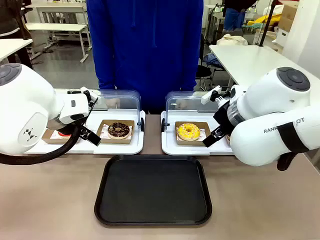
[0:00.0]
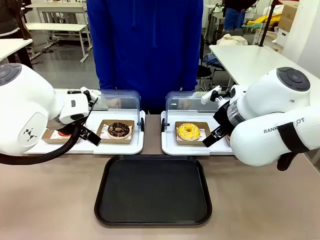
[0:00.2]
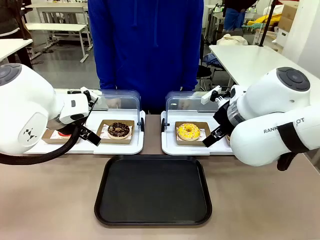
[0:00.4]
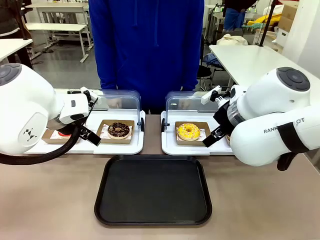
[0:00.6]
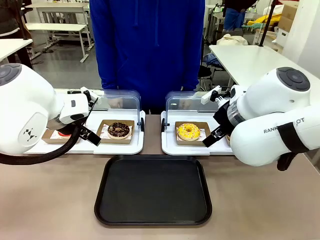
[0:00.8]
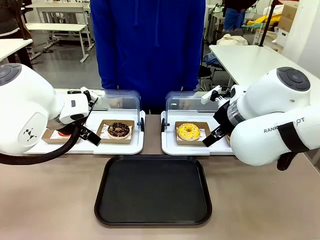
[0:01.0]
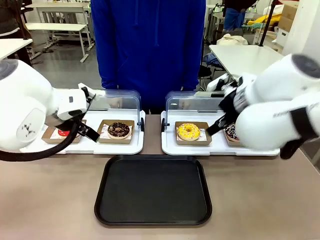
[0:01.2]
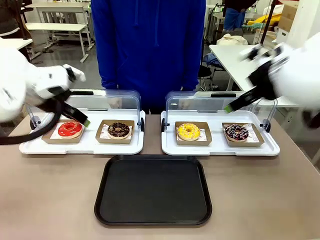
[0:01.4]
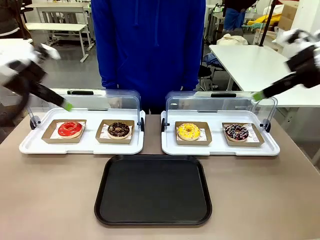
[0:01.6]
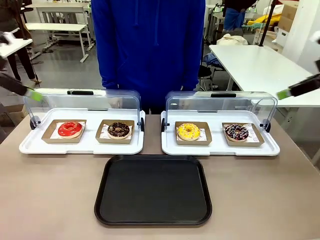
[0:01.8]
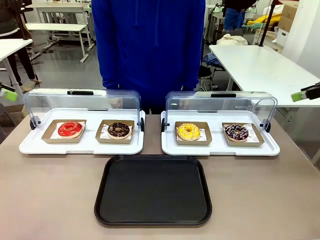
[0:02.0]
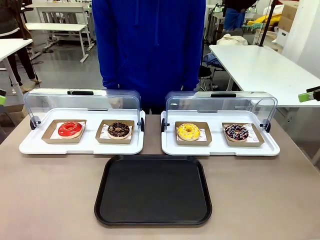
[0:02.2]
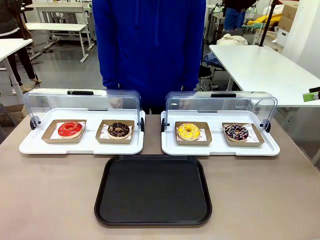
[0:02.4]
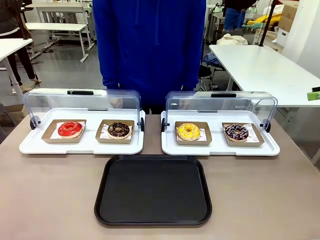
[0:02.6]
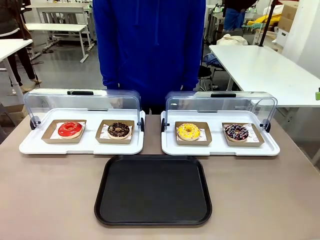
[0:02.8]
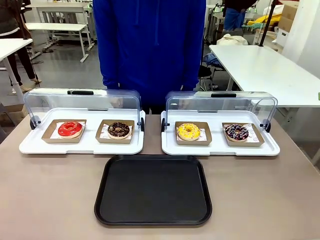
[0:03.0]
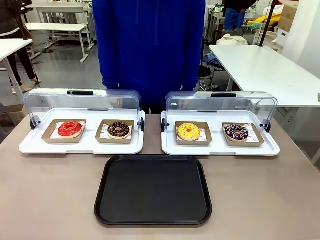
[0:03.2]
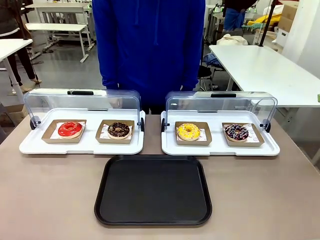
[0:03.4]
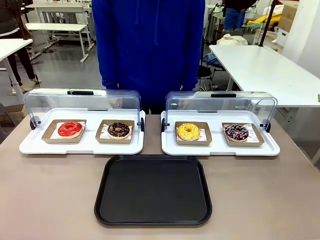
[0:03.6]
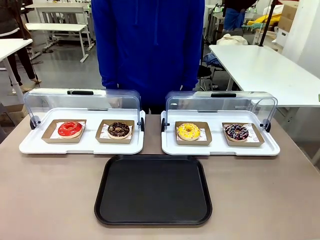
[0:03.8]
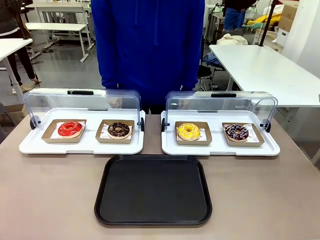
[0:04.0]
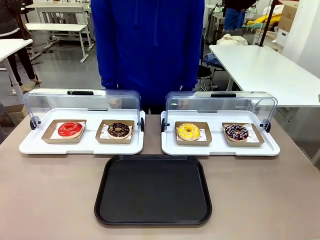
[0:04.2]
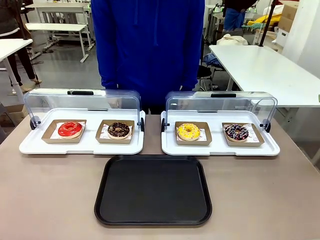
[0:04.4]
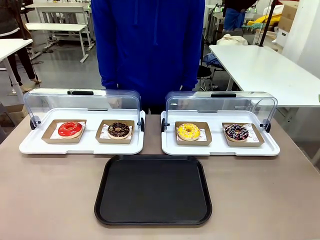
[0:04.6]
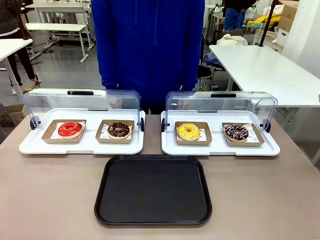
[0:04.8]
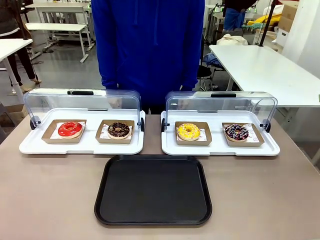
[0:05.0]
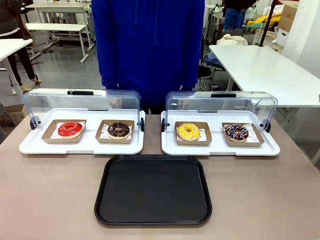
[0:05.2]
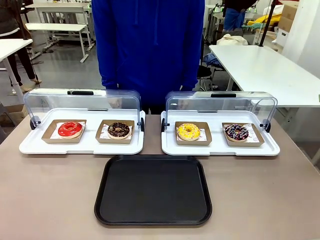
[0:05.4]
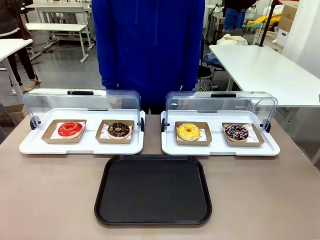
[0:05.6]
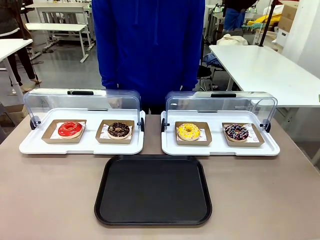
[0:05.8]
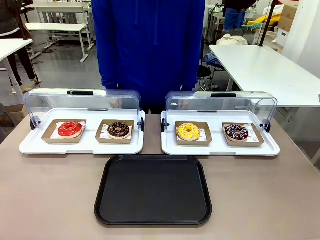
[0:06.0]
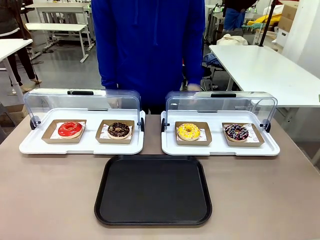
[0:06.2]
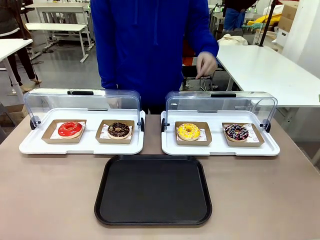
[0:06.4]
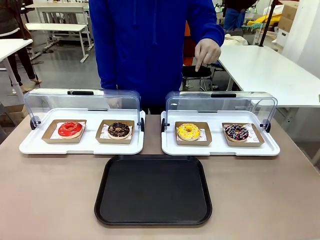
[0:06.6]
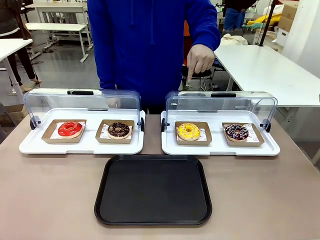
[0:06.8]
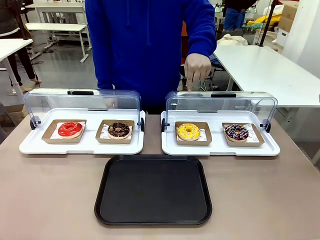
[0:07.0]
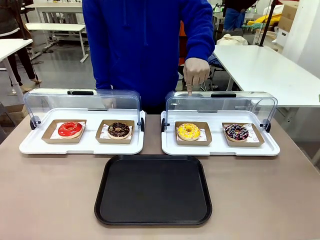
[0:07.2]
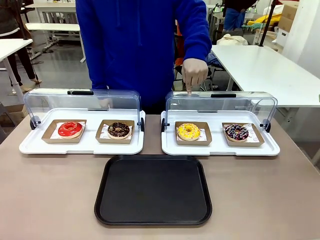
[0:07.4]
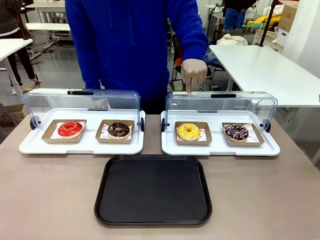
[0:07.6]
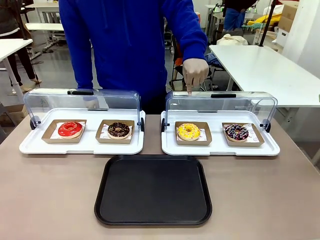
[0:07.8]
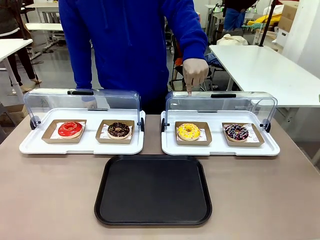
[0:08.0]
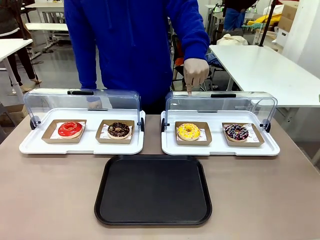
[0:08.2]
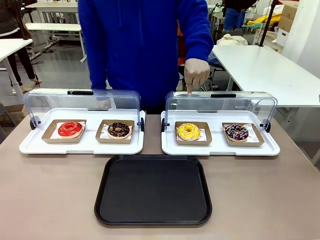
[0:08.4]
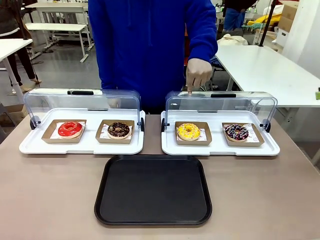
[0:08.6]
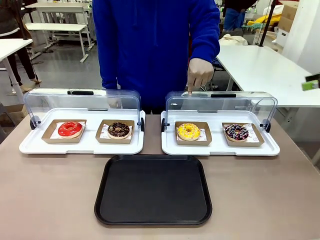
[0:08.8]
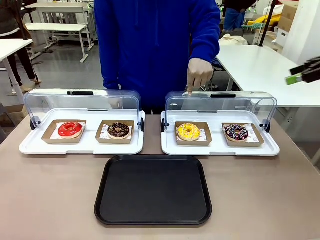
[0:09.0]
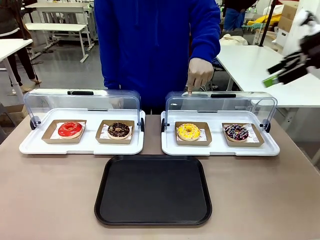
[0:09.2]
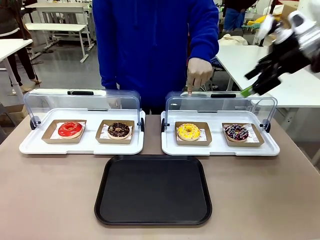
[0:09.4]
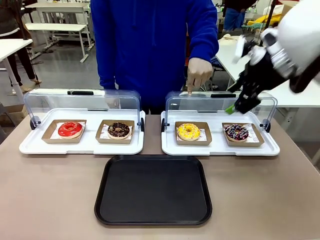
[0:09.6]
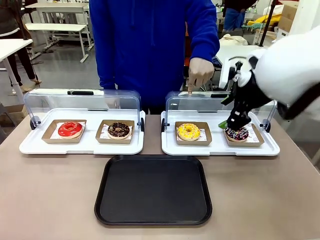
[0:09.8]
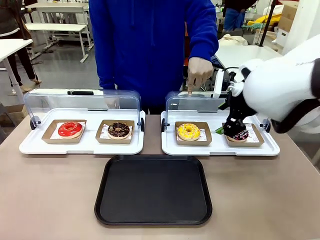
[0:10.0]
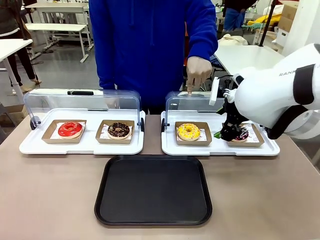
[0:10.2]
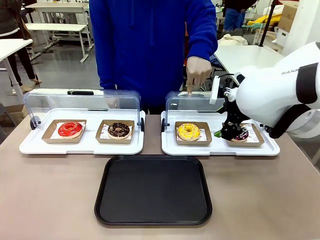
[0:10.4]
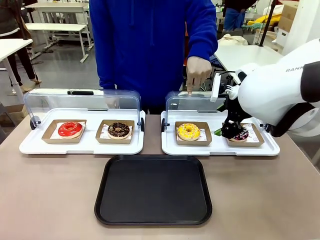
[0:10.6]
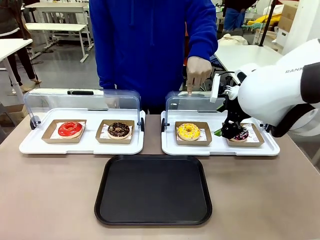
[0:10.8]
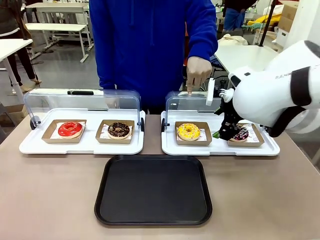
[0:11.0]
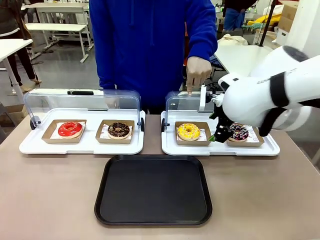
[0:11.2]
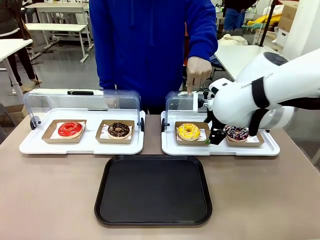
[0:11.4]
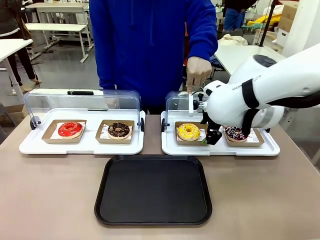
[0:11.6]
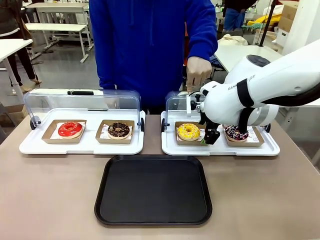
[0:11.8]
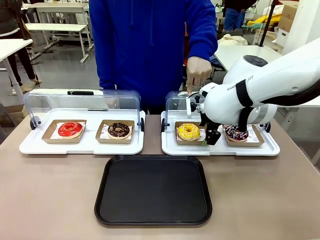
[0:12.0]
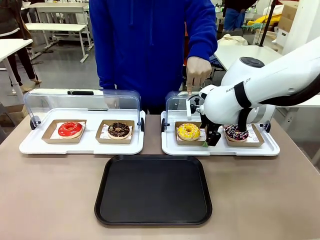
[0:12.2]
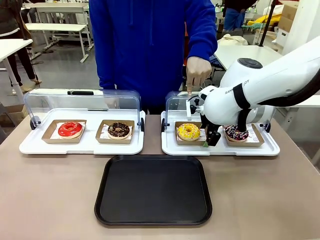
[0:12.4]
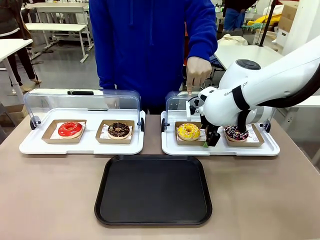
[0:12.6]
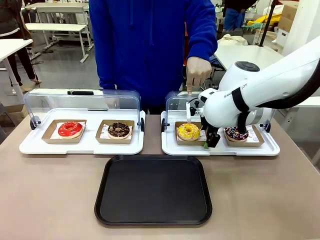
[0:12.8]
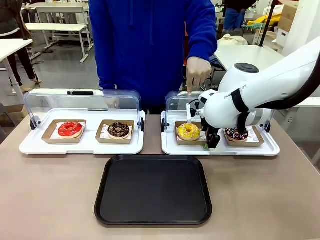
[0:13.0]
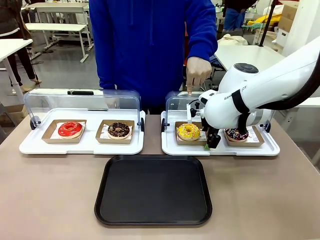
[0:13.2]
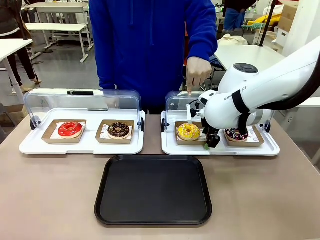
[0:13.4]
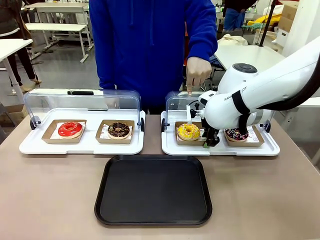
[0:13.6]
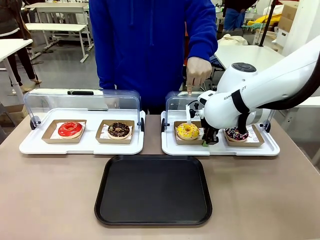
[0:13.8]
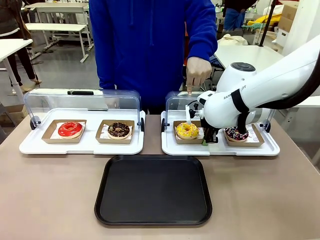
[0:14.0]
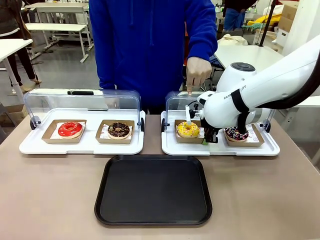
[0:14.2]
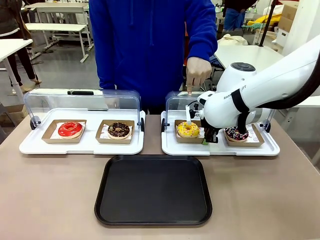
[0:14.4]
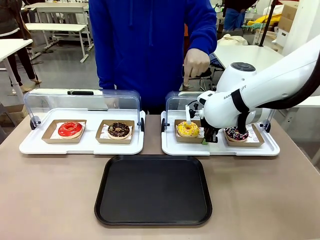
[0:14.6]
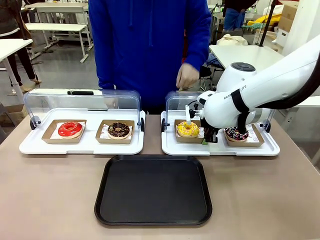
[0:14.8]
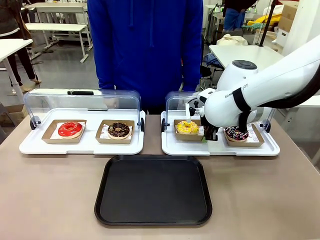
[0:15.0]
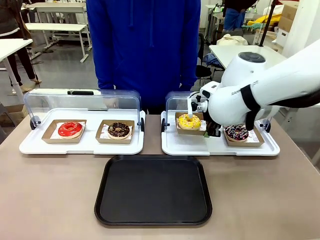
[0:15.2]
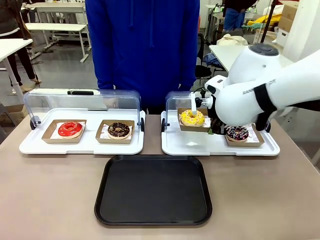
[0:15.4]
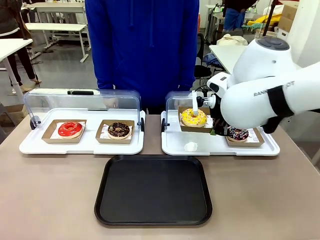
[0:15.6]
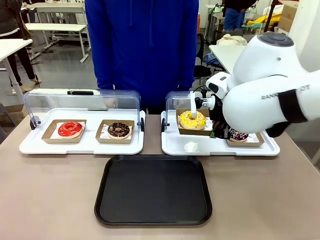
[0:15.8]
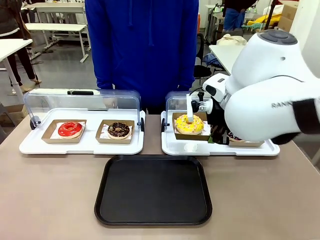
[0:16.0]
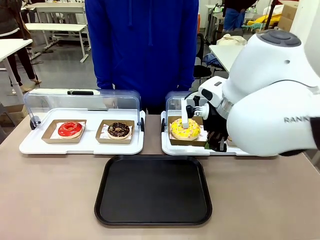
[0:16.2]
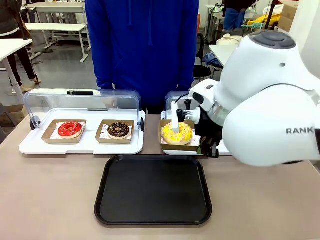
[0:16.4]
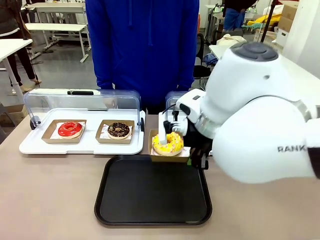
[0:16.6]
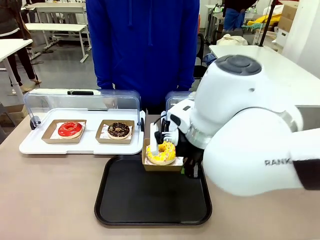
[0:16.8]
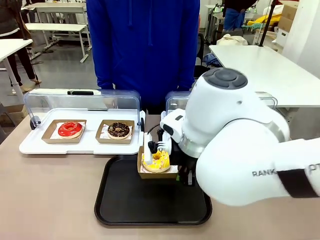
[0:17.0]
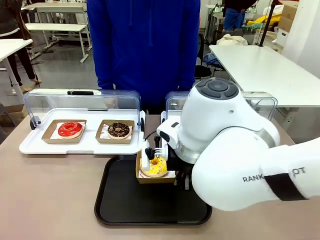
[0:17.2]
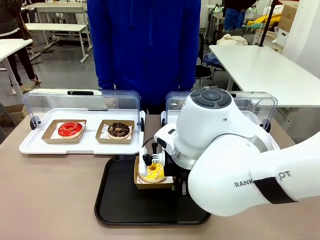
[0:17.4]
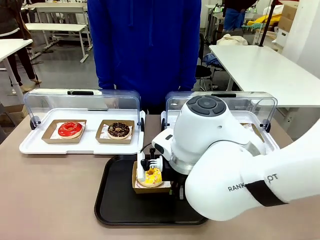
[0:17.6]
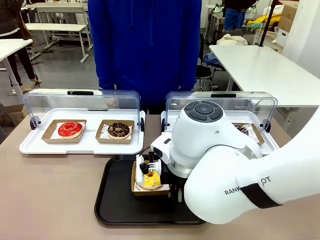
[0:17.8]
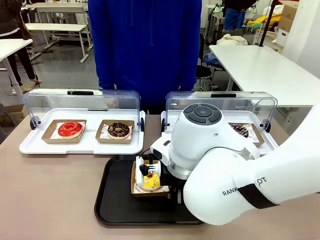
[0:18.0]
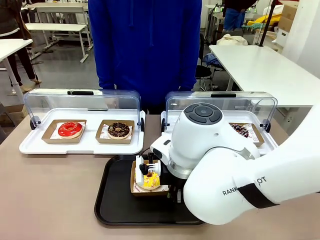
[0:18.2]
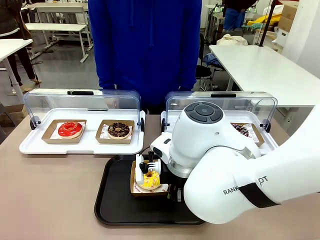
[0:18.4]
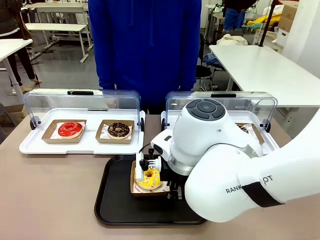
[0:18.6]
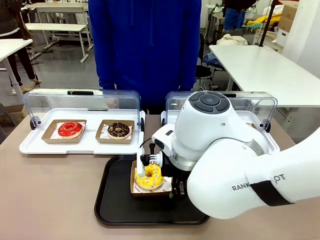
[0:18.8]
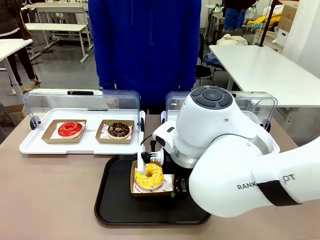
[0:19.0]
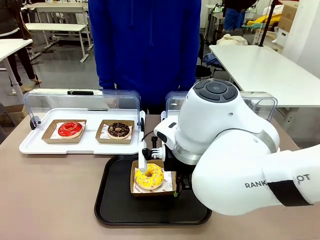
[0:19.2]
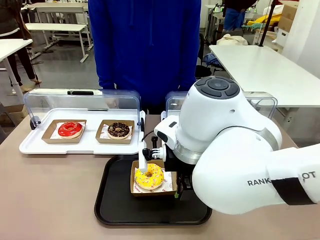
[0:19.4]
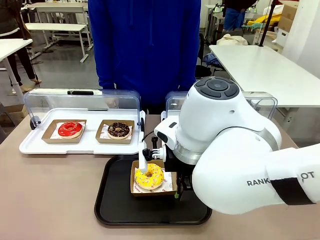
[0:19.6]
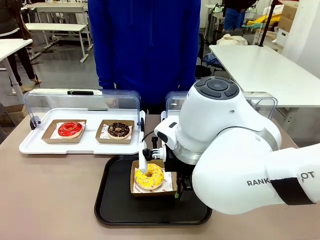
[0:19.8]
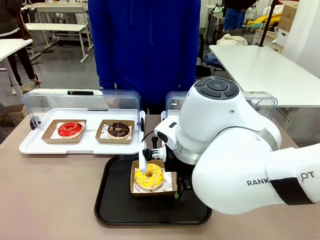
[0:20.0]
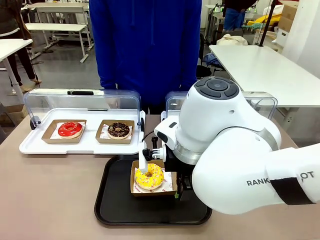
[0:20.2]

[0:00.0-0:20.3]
Task: Move the third donut from the left to the tray.
Robot: Pick up the Paper togo box containing the Donut indicated by the person and place it on the Handle tray.
Person: Points to the third donut from the left from the robot’s perspective.
